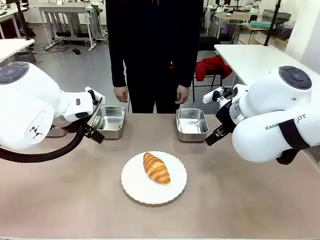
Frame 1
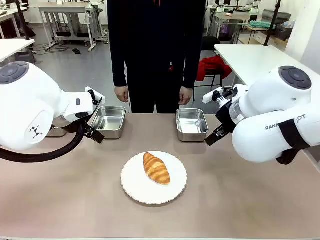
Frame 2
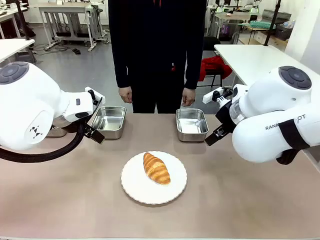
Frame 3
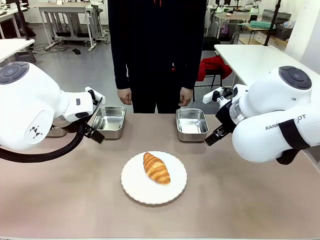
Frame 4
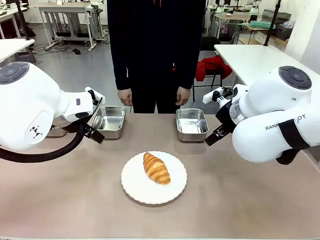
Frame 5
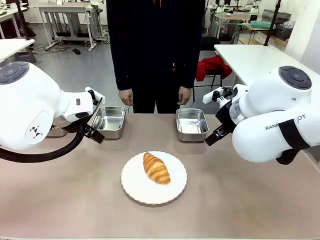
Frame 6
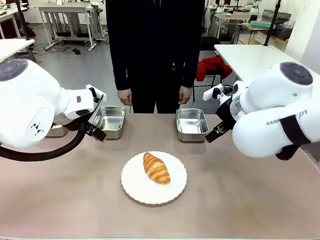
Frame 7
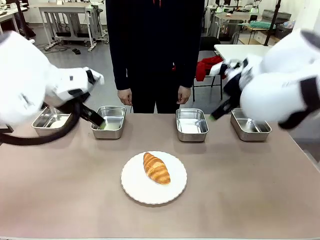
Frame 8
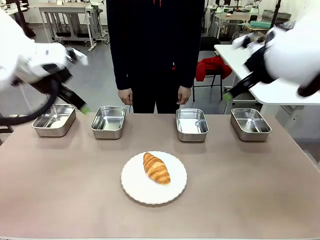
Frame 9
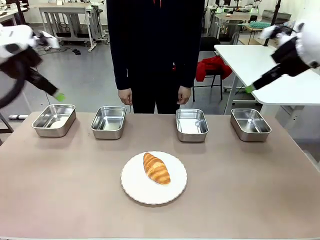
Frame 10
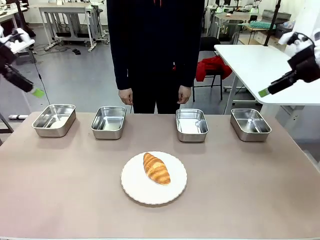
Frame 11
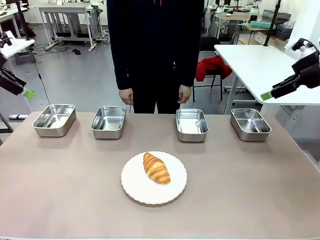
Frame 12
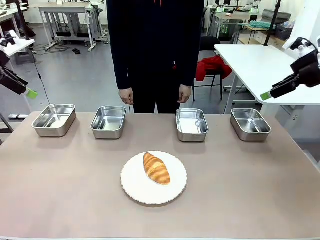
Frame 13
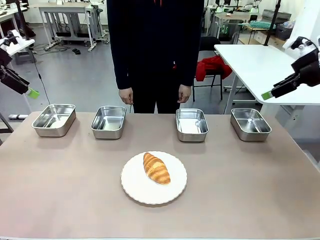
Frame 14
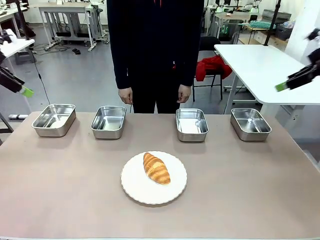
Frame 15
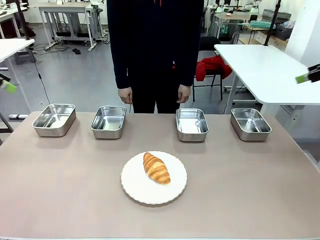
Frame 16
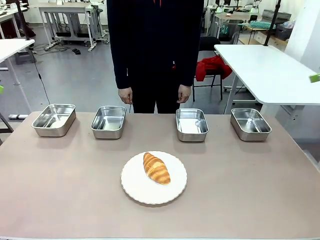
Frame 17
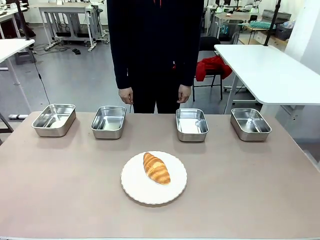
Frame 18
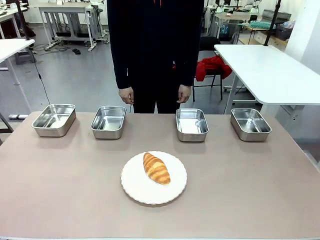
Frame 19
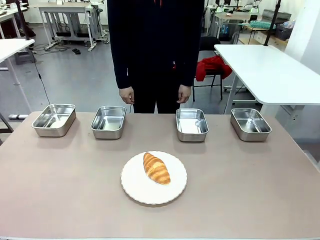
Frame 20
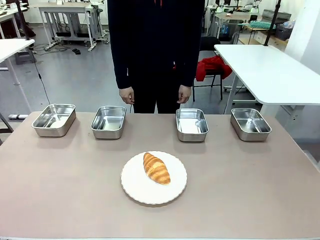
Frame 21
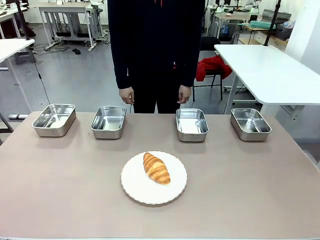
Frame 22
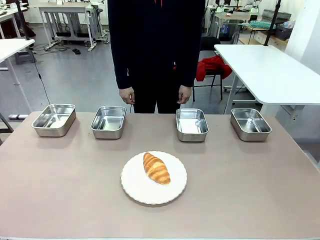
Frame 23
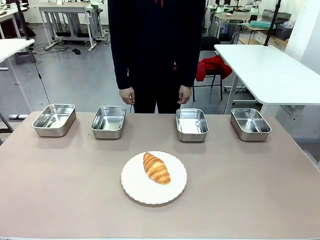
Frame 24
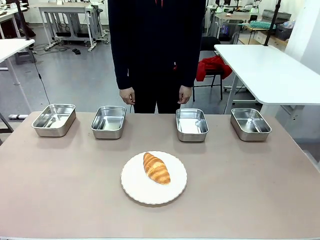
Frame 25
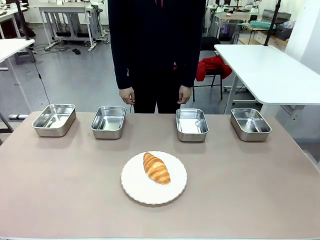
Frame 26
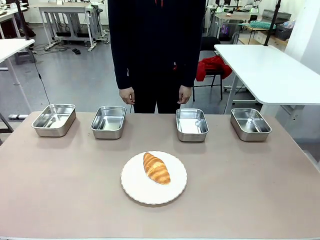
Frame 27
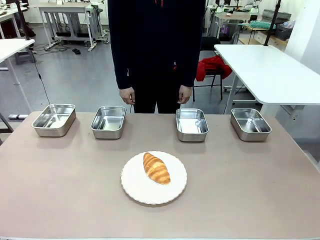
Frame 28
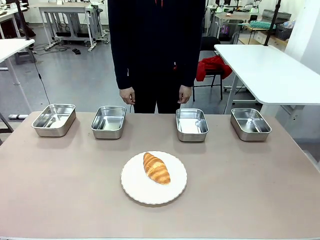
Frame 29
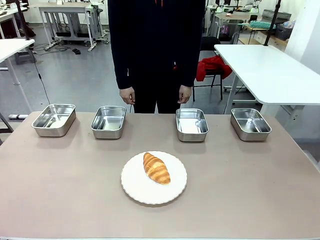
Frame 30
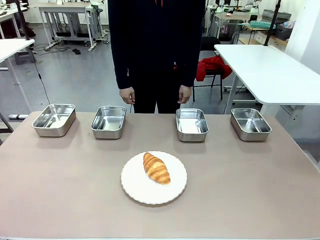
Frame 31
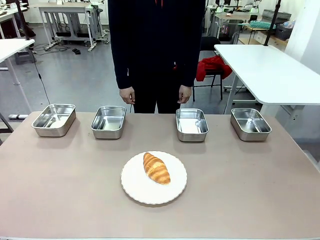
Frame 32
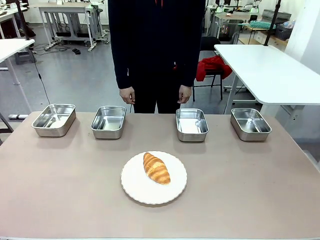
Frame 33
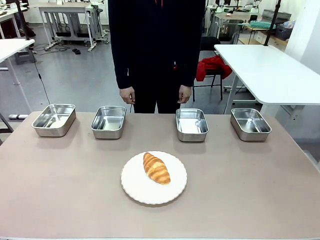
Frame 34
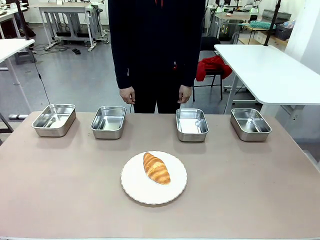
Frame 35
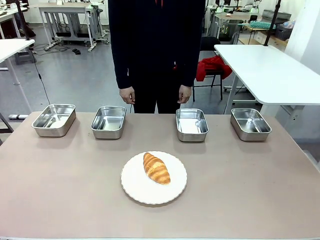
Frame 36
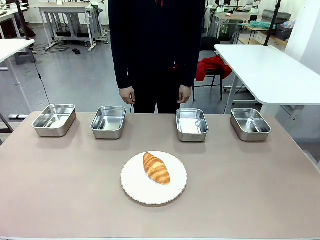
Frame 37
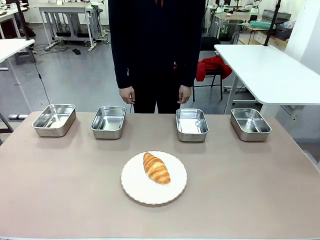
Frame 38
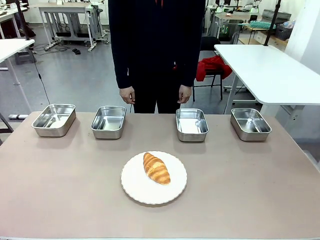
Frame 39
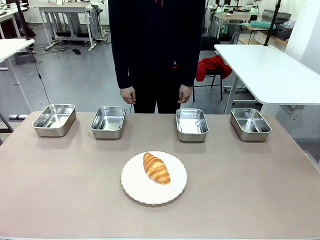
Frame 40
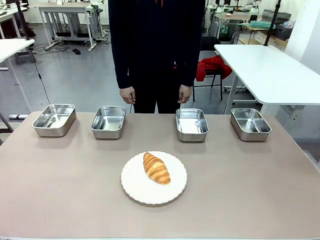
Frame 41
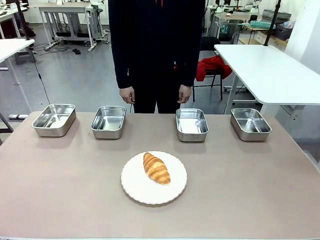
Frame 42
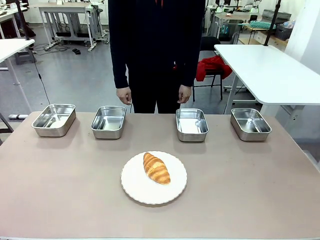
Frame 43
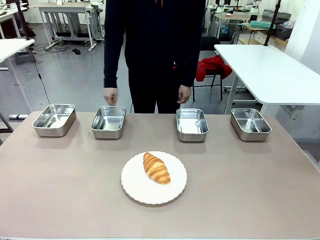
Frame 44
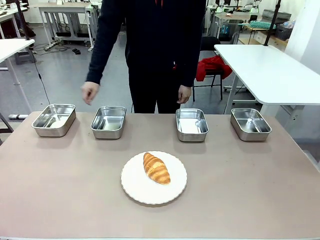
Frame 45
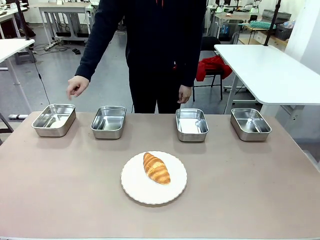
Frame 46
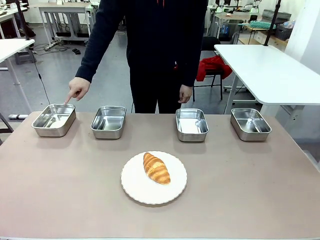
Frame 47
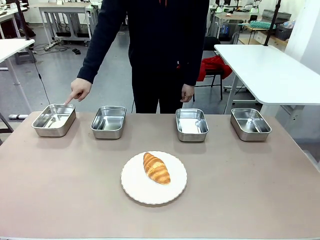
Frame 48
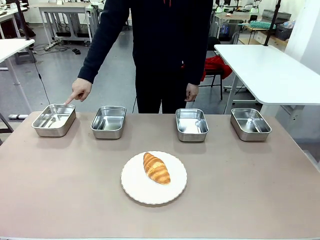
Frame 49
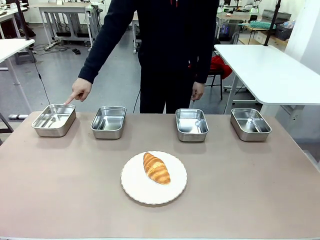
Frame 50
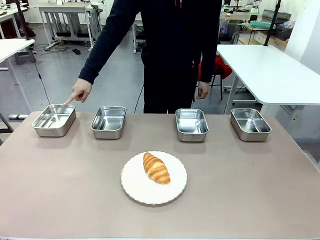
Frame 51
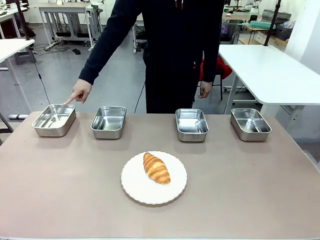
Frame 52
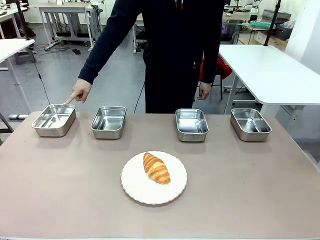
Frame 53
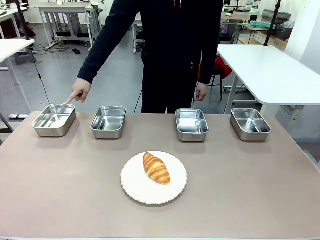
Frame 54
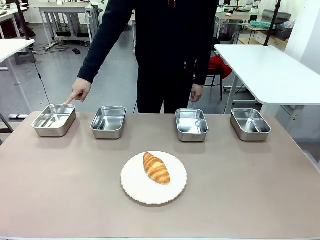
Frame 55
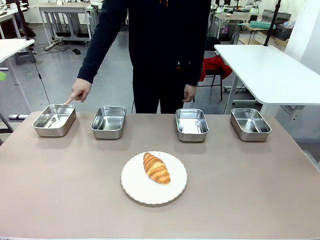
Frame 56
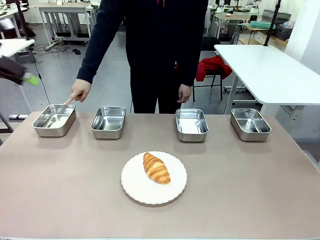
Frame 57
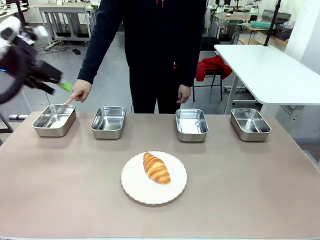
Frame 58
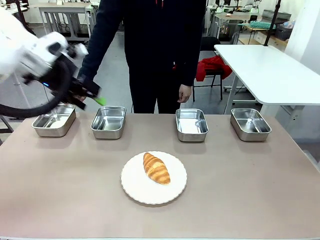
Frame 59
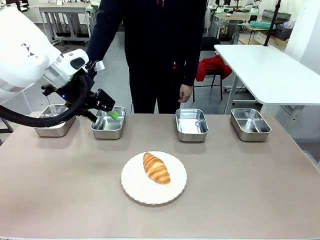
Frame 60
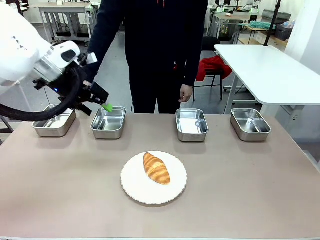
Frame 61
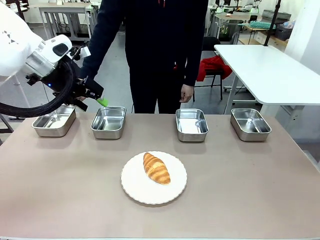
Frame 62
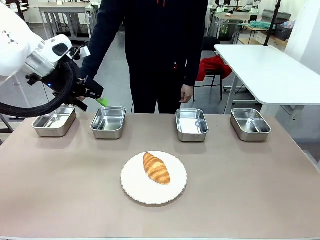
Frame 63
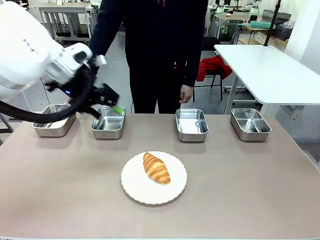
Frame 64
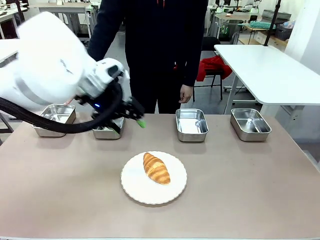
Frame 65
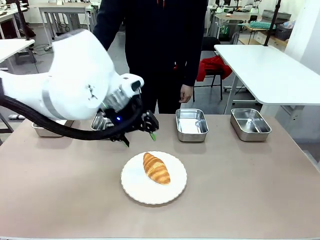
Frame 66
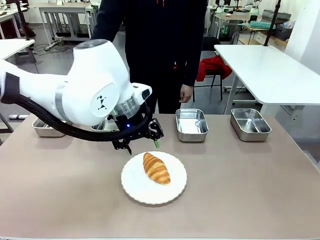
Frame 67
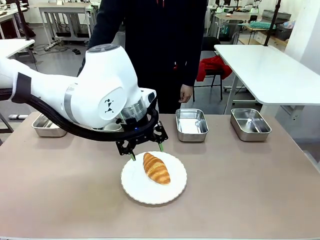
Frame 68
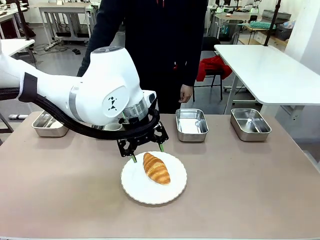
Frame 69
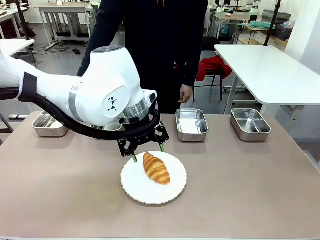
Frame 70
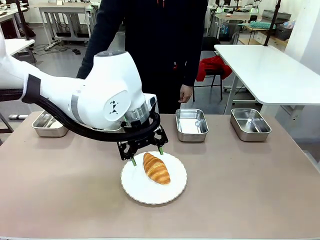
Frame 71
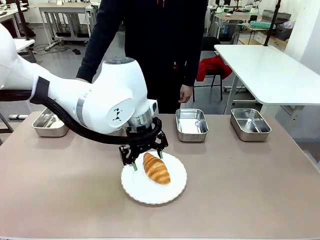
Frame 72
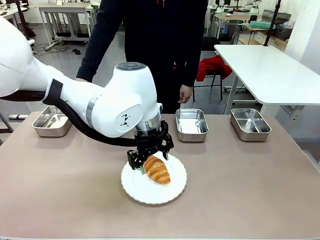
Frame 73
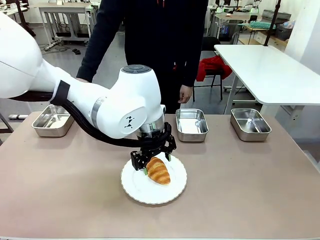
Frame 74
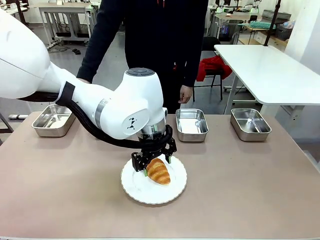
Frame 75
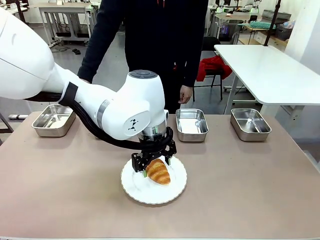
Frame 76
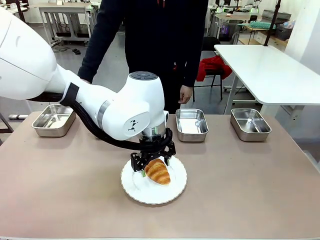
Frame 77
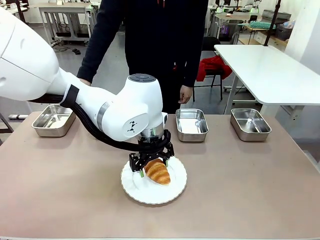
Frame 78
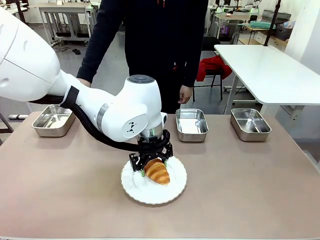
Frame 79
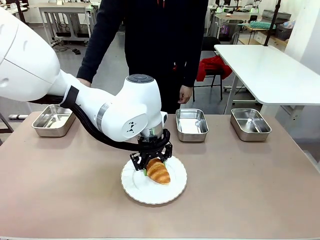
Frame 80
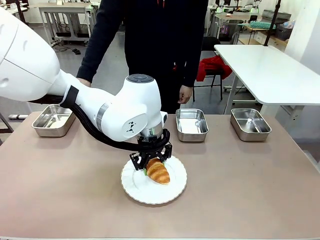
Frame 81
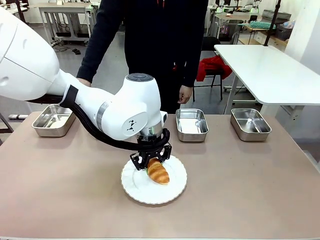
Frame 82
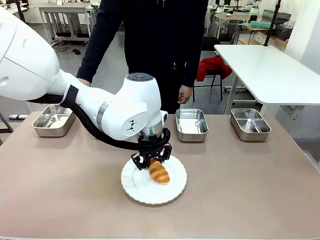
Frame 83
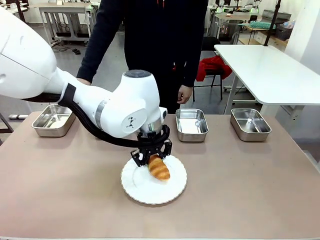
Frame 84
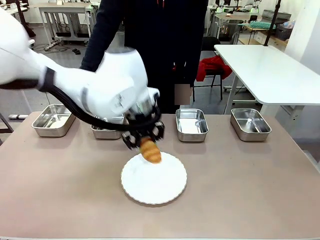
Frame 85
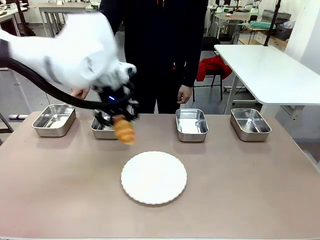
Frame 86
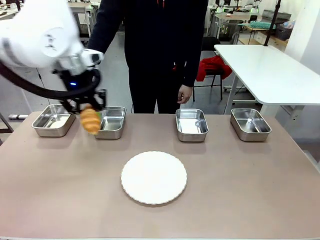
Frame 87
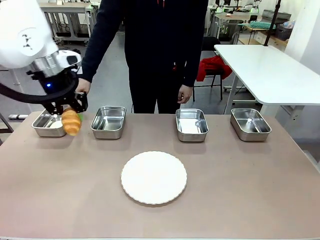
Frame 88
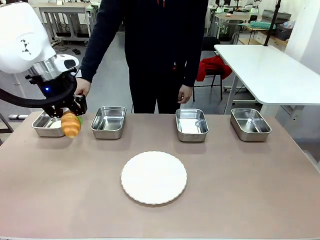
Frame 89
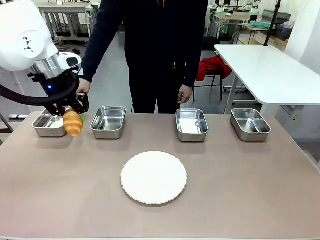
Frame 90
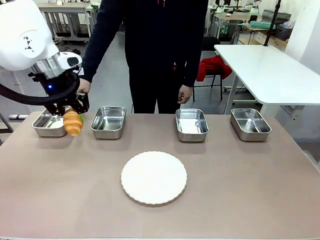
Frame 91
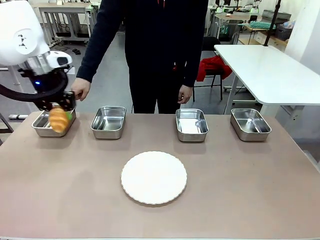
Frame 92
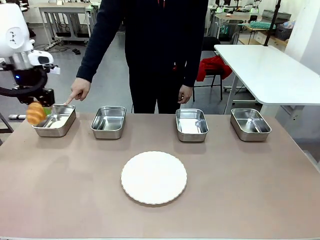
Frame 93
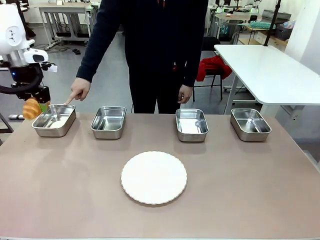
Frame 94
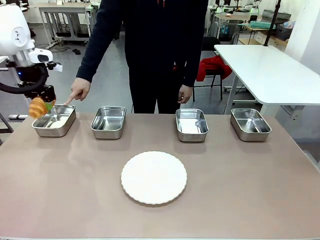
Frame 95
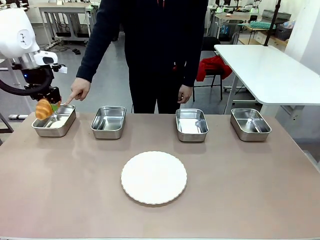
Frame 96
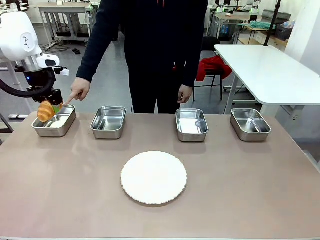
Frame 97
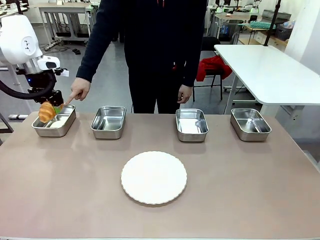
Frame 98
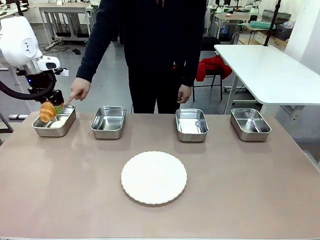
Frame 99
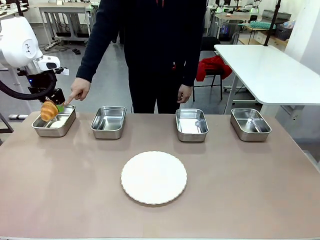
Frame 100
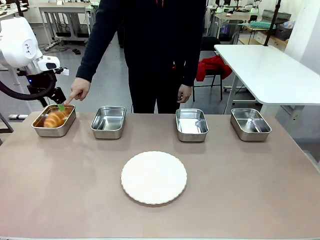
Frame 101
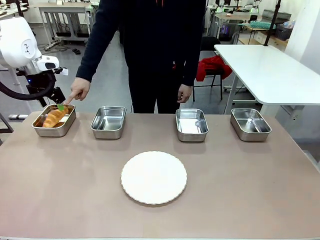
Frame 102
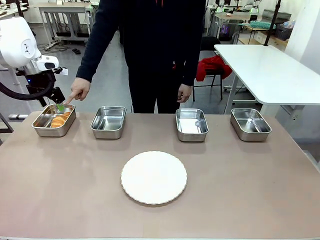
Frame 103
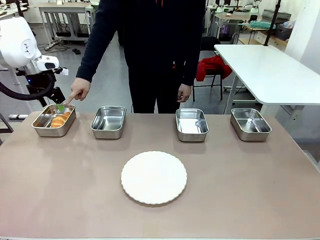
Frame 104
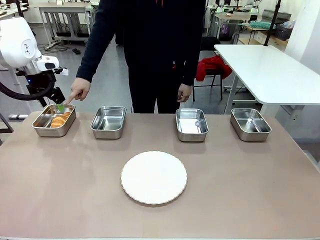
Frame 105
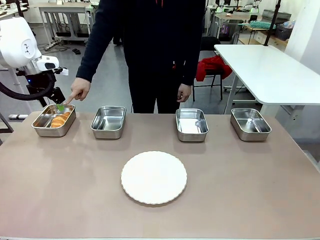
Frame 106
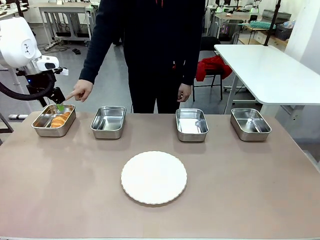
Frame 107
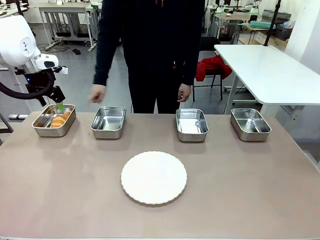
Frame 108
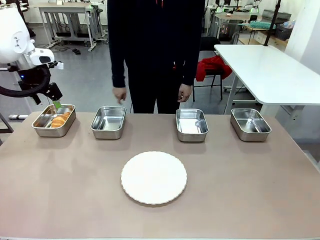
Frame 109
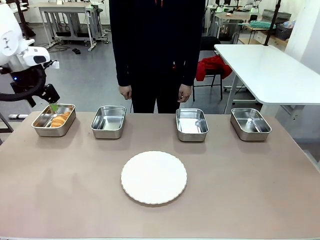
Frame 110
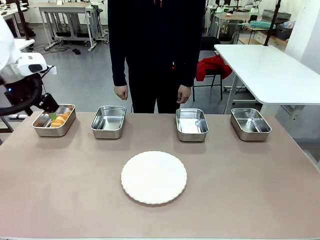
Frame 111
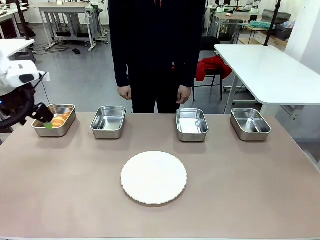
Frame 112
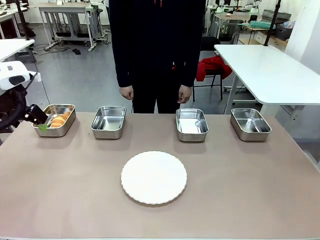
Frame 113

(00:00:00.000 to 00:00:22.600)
Task: Place the bread in the container.
Robot: Place the Butter Roll into the Airtight Container indicated by the human.
Person: A person randomly selects and points to an Airtight Container.
